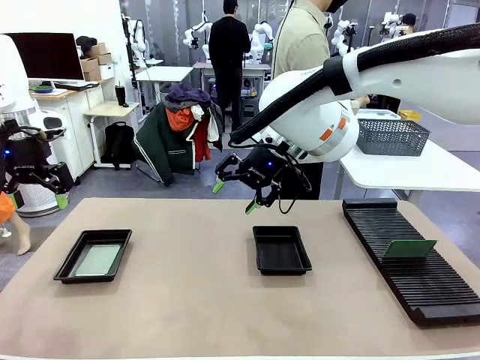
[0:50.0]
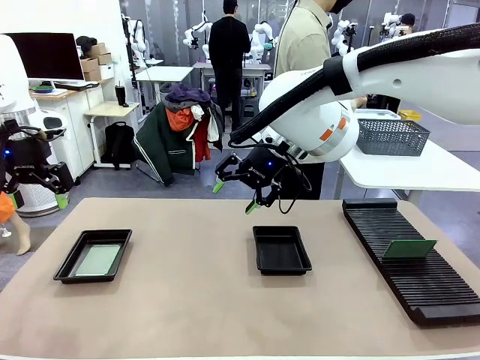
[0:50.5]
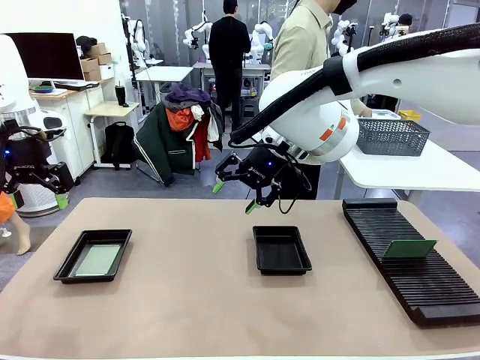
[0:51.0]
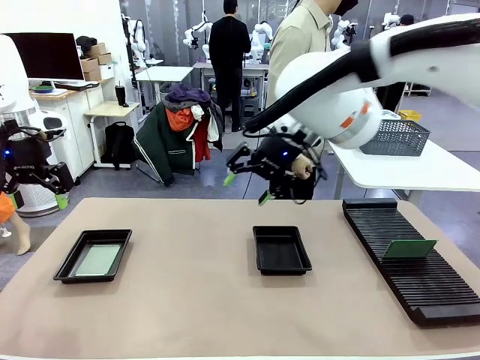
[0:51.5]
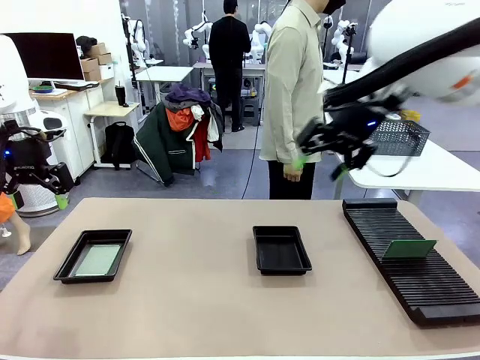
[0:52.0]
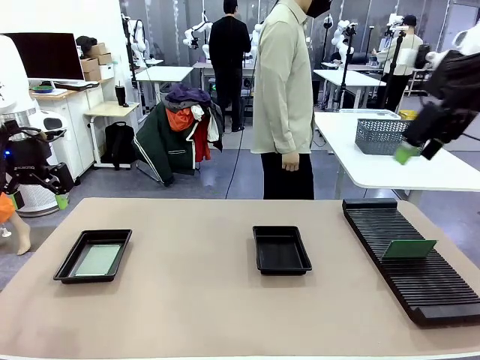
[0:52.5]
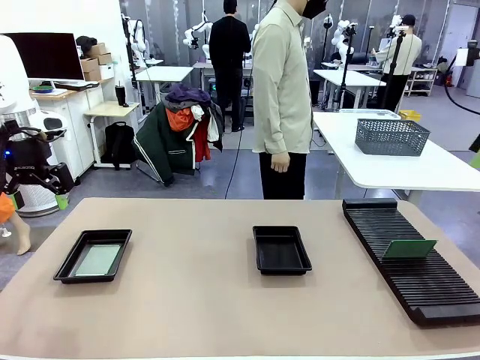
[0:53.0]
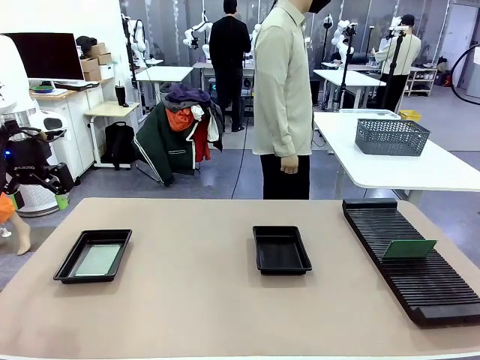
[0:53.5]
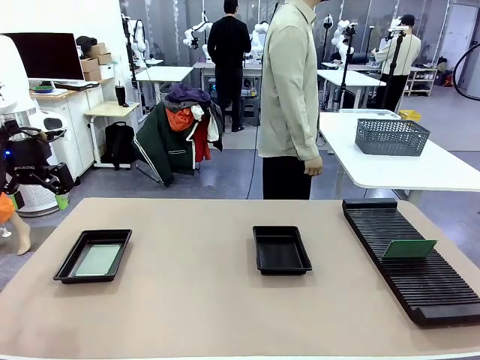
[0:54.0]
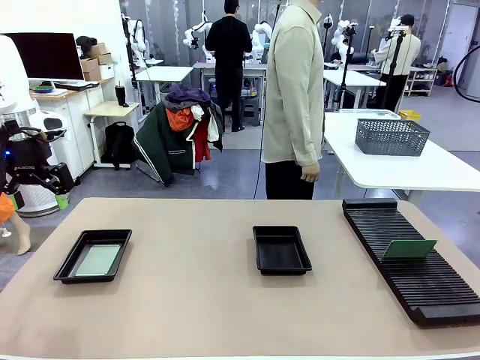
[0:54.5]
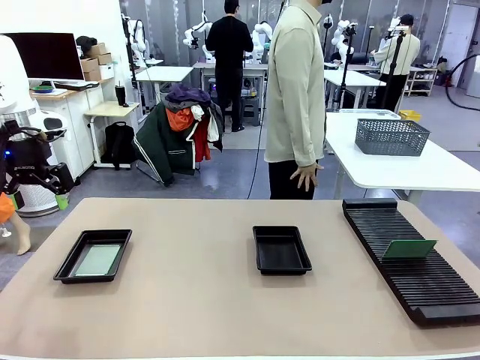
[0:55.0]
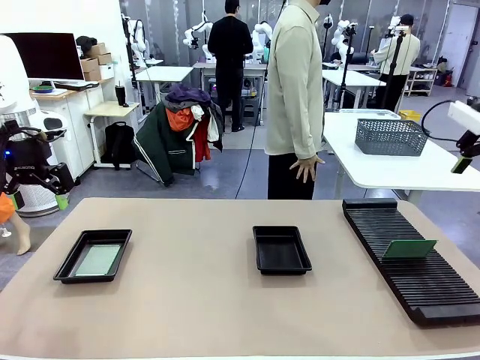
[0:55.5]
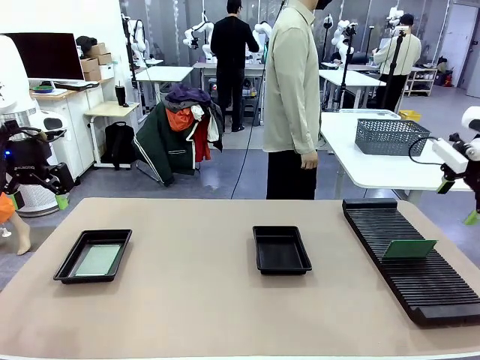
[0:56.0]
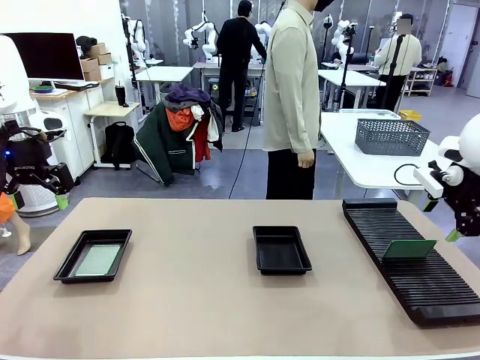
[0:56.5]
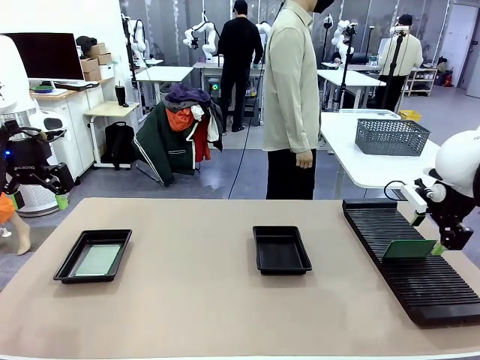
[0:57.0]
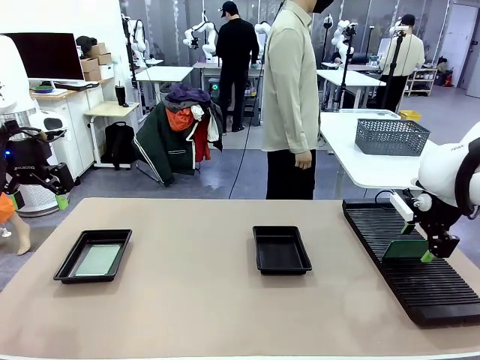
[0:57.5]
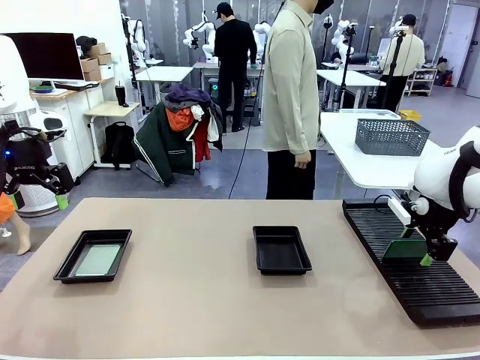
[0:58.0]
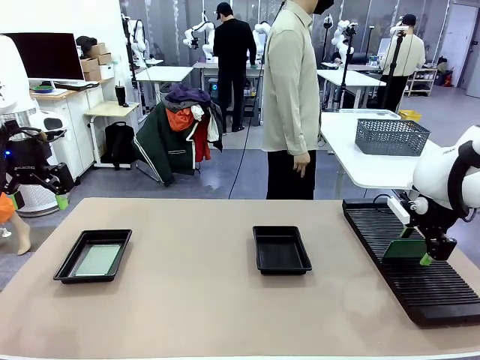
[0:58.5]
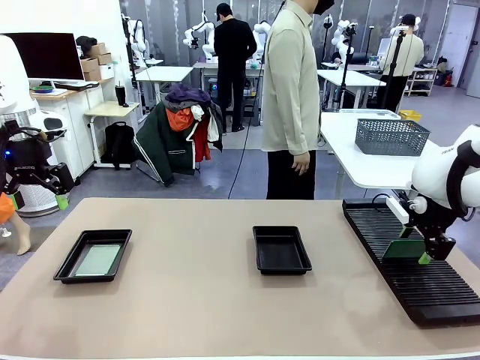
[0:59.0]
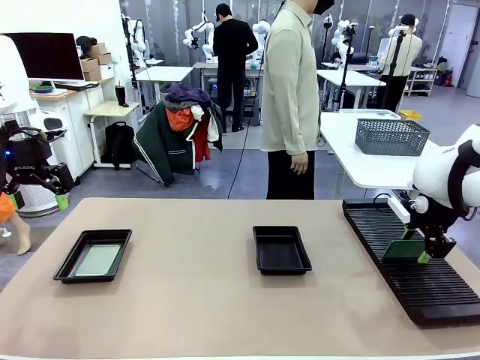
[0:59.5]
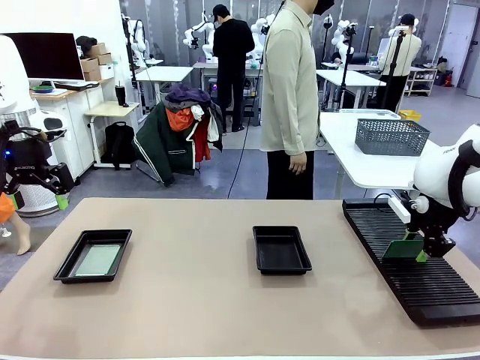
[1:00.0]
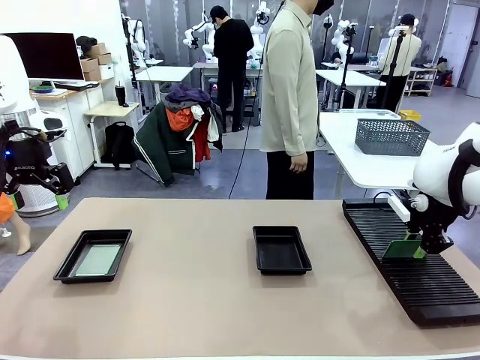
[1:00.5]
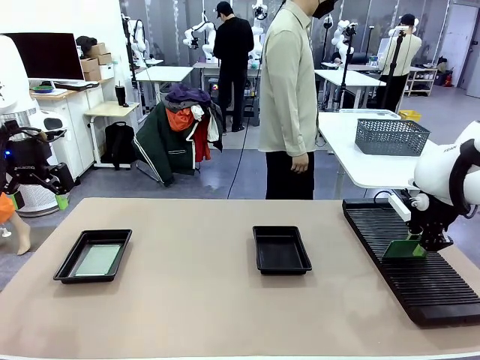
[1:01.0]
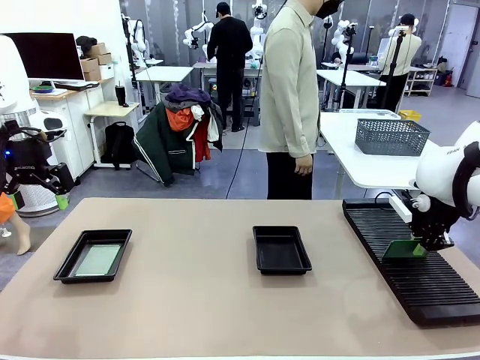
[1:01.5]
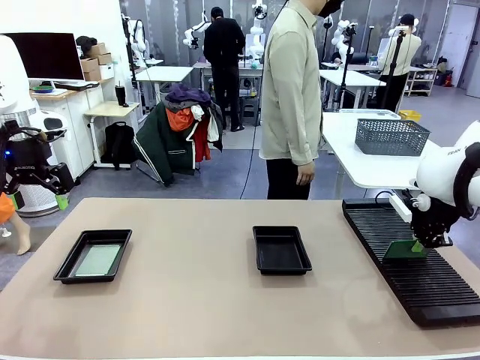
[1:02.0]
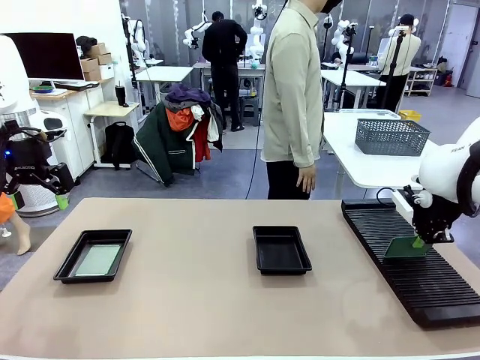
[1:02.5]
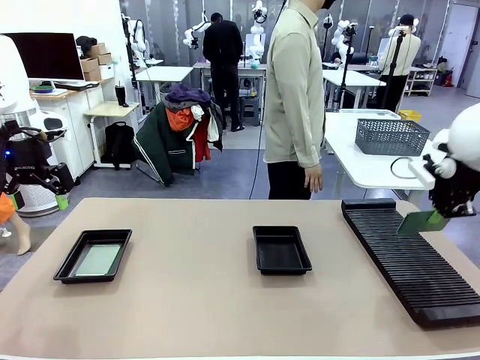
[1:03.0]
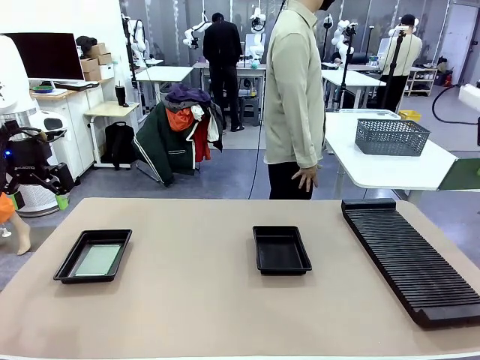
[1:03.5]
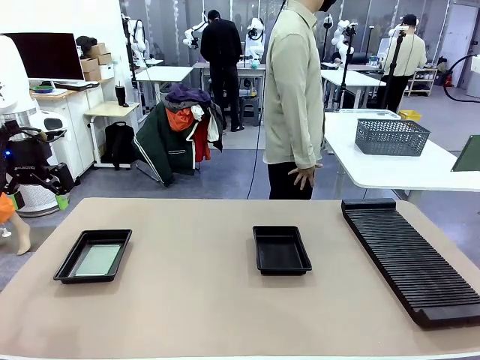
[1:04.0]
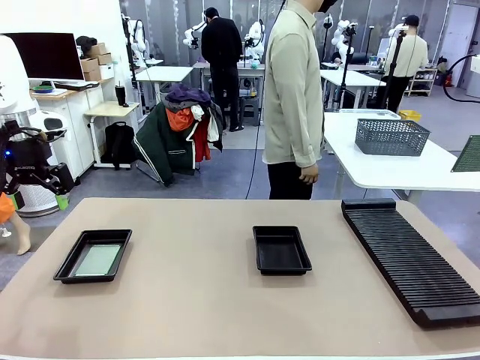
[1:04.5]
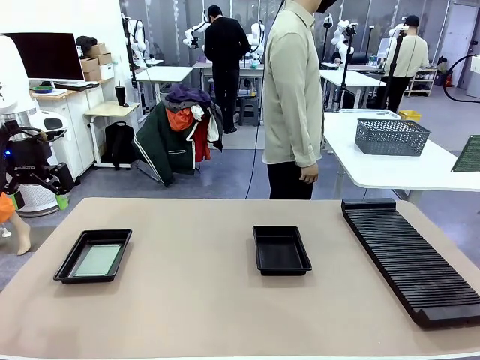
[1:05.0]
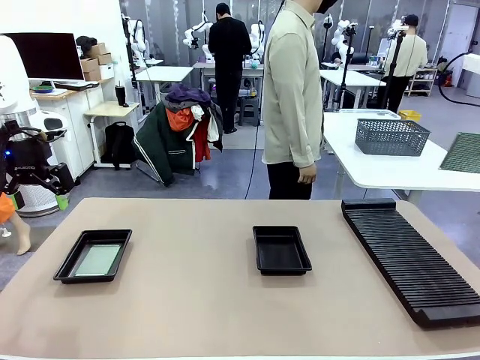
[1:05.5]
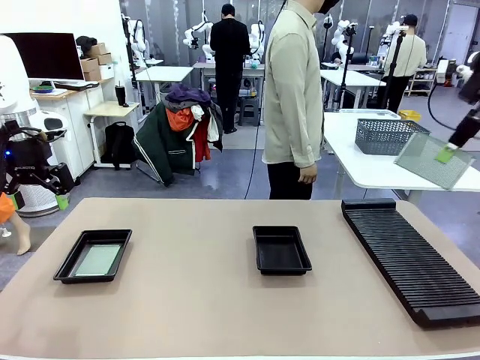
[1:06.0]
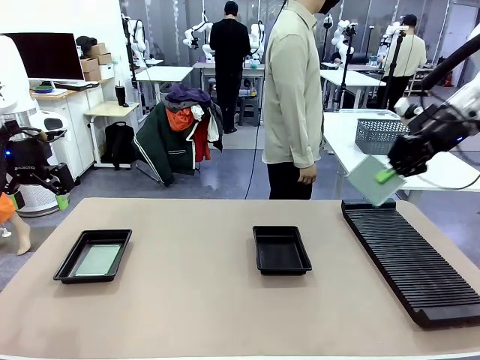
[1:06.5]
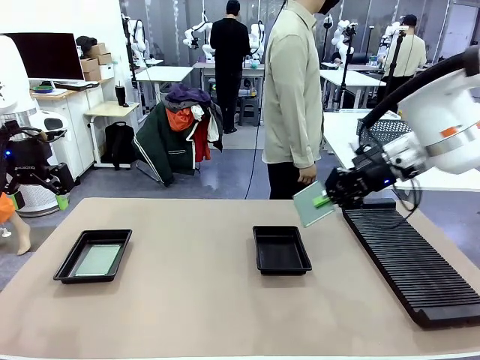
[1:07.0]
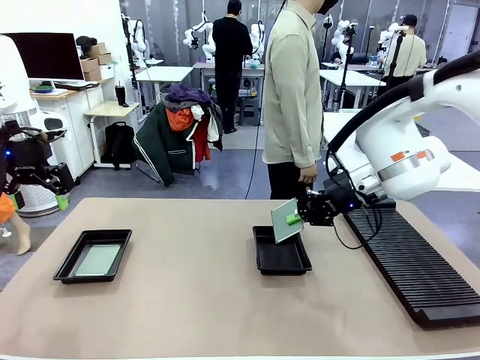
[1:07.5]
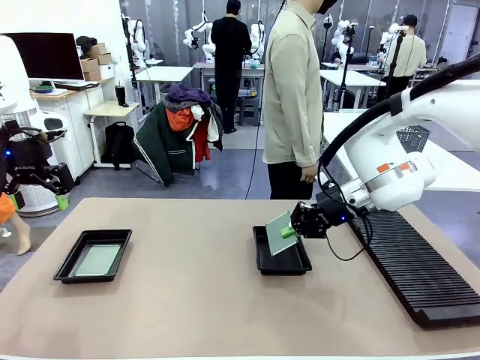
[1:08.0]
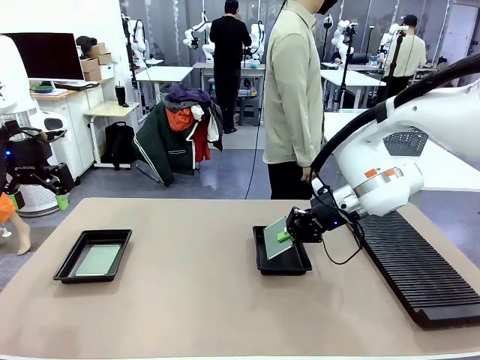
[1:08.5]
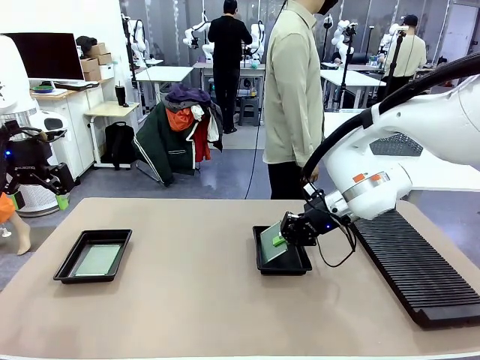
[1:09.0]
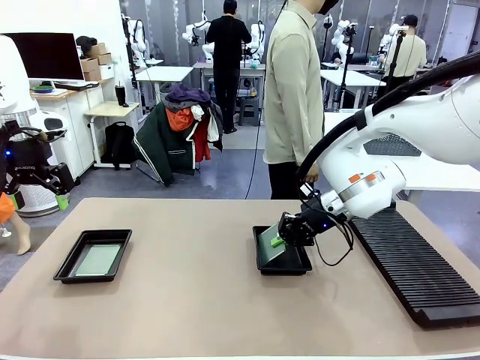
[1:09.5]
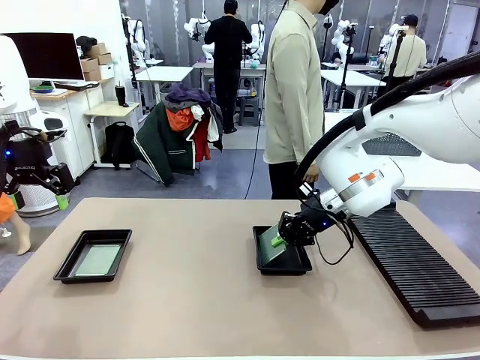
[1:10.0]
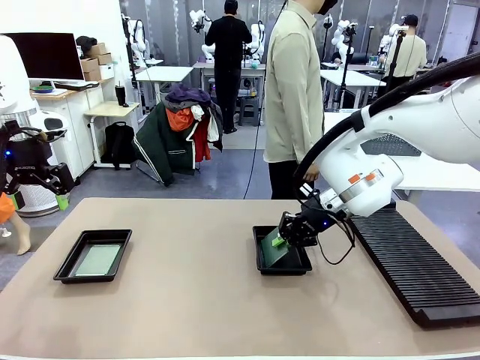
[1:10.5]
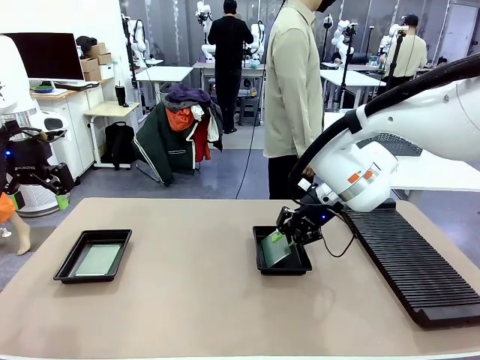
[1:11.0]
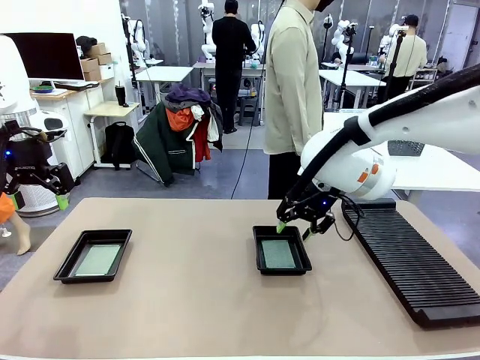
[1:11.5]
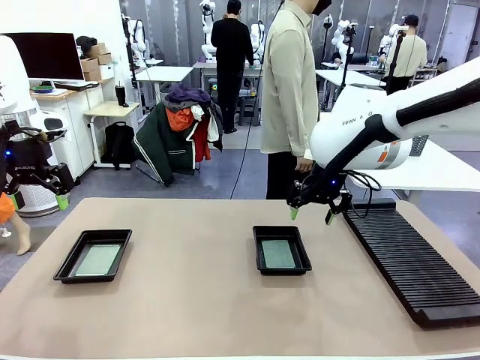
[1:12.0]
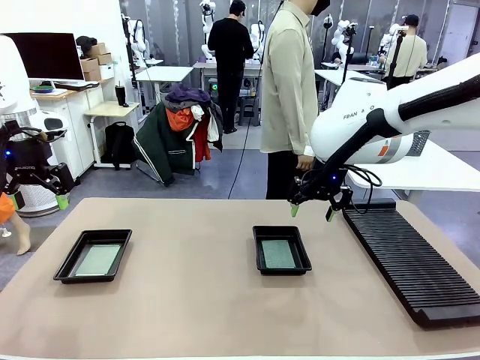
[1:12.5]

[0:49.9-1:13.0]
Task: Inspect and transfer BCBs to ESD trays.
Robot: Pick up the Blank PCB from the PCB Rack and place it in the right ESD tray.

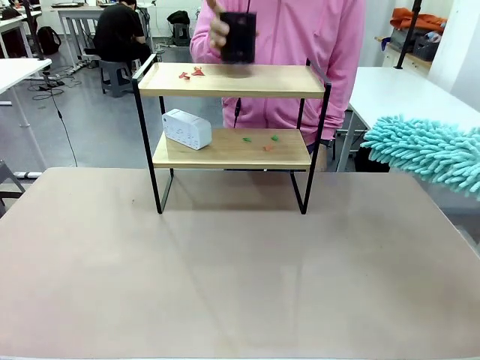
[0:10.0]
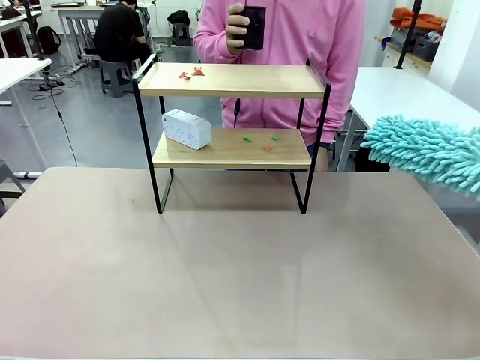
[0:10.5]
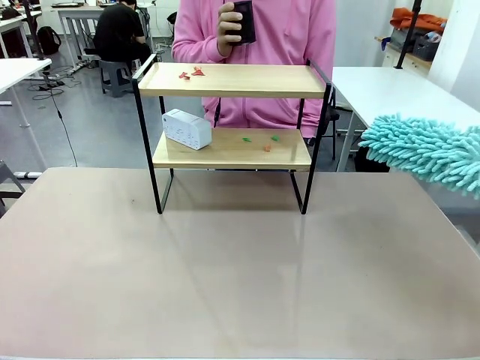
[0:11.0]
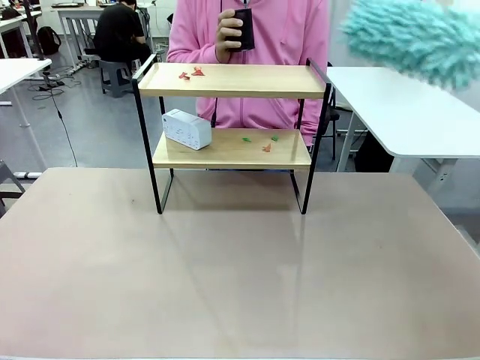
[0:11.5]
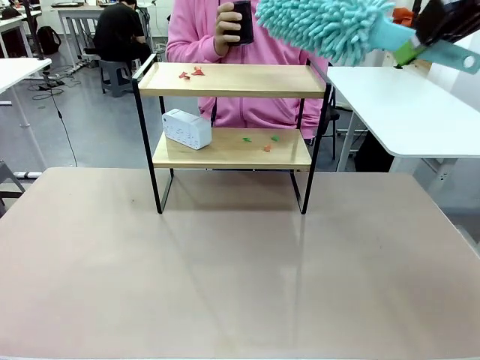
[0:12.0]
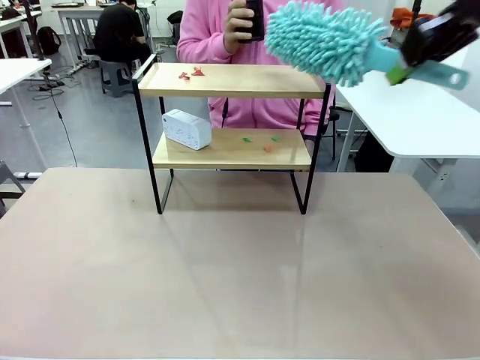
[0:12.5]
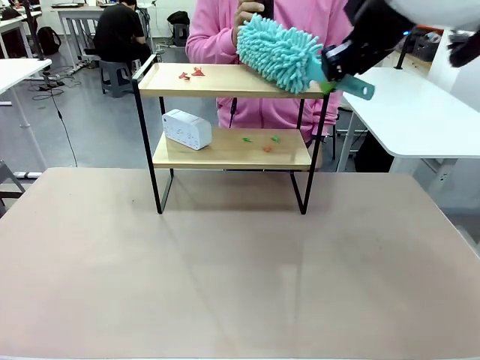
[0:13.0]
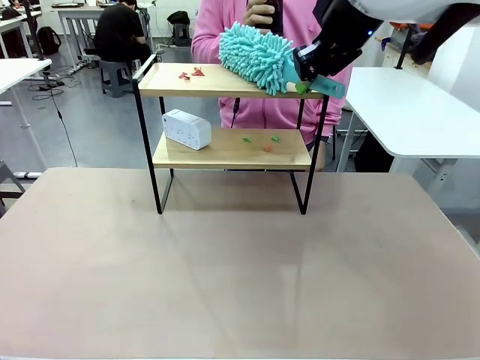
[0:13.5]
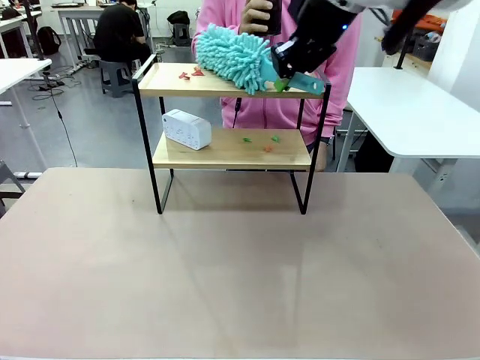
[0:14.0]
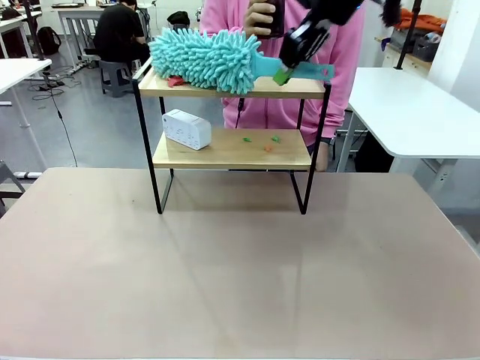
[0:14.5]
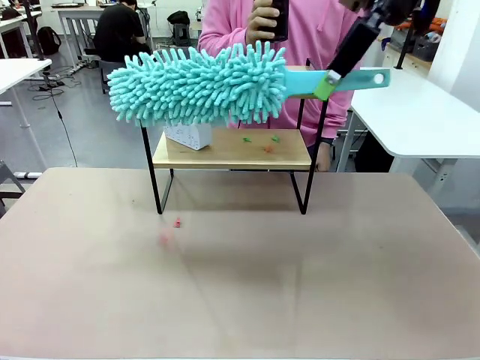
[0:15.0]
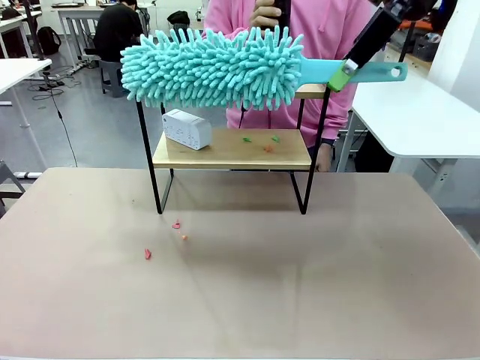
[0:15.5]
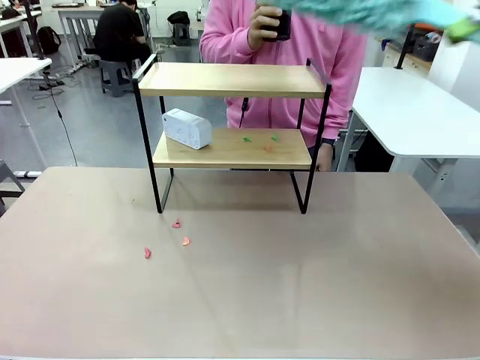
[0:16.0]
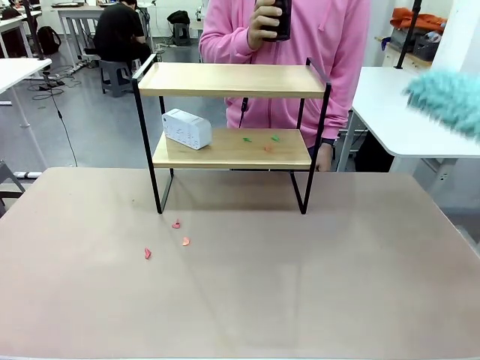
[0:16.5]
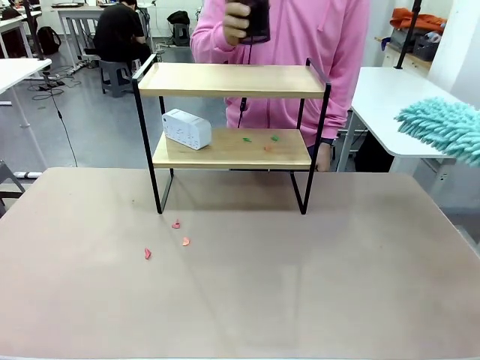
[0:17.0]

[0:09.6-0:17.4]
Task: Clean the shelf.
Robot: Clean the specific tier of the Shelf with the Duster once objects are removed.
Person: Lift the objects on a randomly selected tier of the Shelf. Once the robot finishes cleaning, lift the objects on the remaining tiers of the Shelf.
